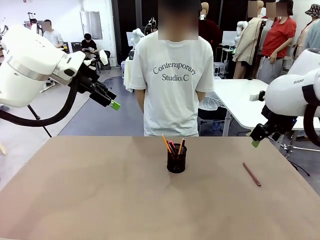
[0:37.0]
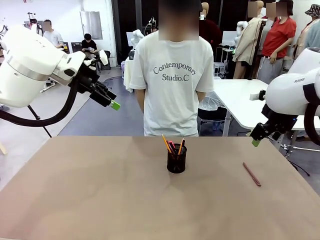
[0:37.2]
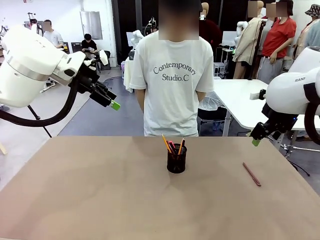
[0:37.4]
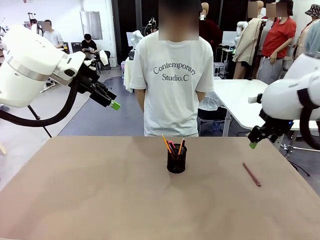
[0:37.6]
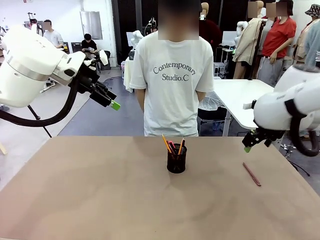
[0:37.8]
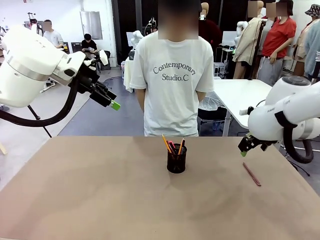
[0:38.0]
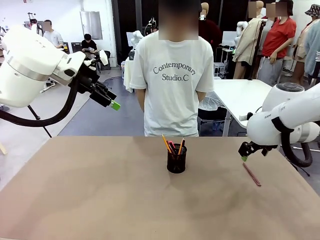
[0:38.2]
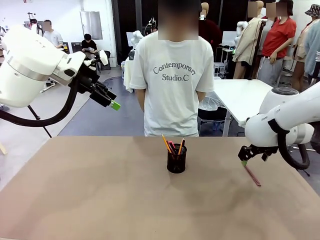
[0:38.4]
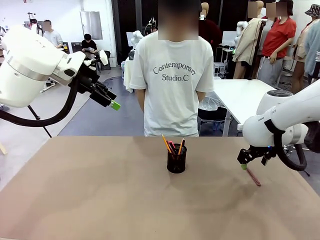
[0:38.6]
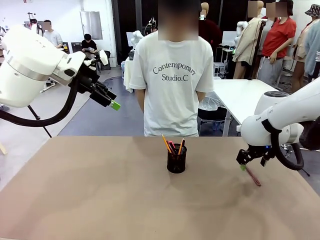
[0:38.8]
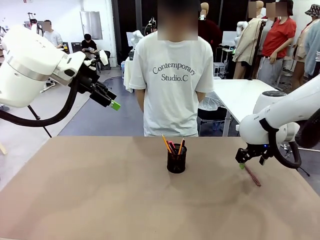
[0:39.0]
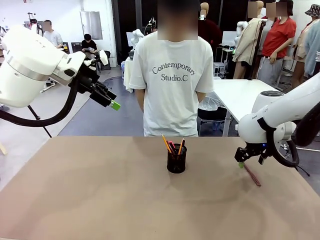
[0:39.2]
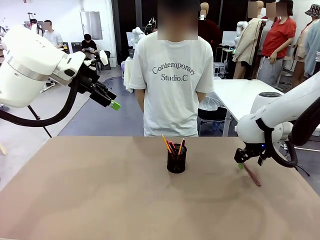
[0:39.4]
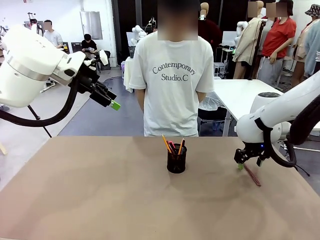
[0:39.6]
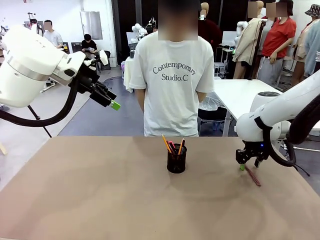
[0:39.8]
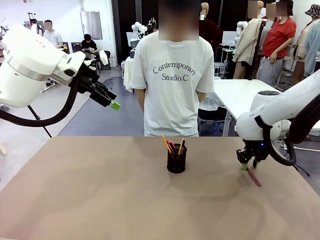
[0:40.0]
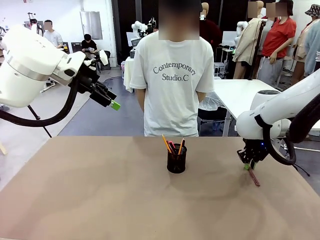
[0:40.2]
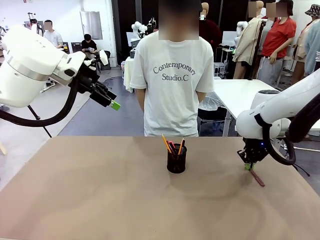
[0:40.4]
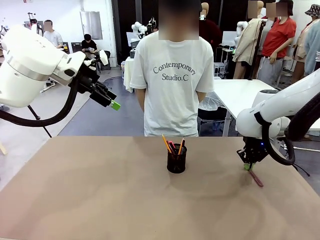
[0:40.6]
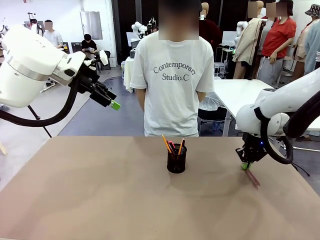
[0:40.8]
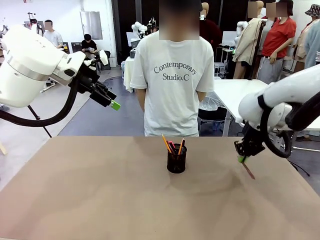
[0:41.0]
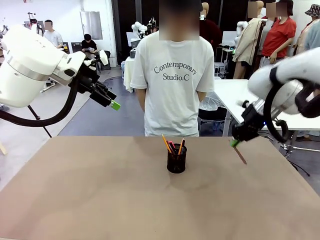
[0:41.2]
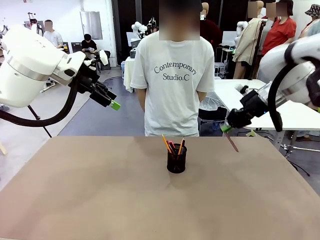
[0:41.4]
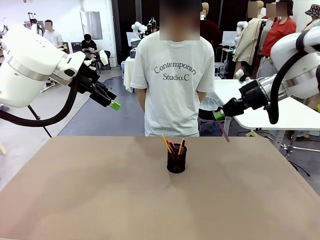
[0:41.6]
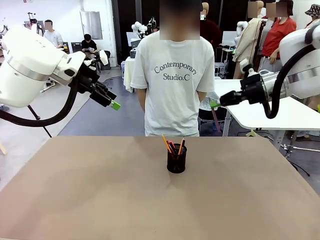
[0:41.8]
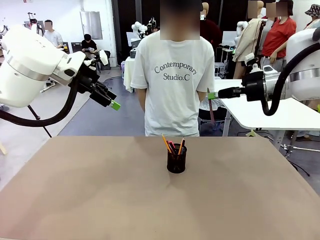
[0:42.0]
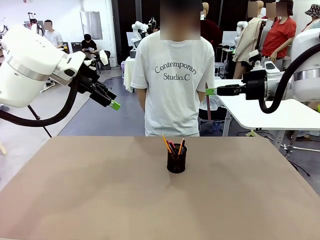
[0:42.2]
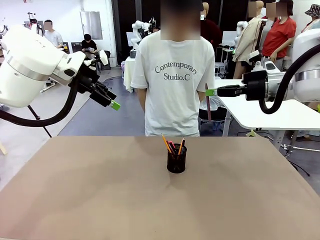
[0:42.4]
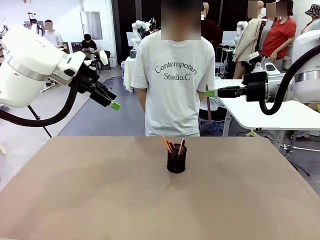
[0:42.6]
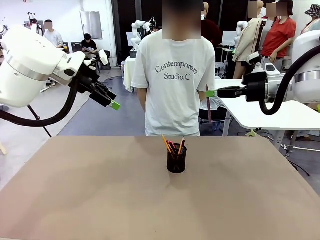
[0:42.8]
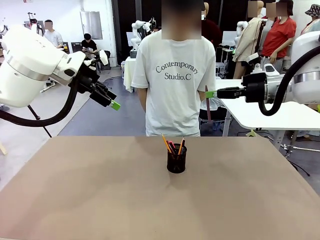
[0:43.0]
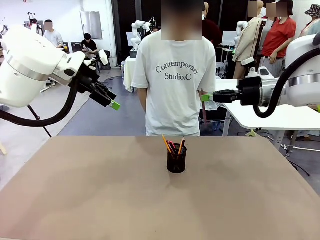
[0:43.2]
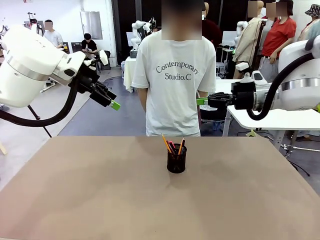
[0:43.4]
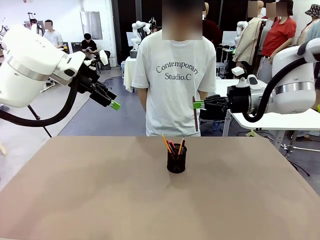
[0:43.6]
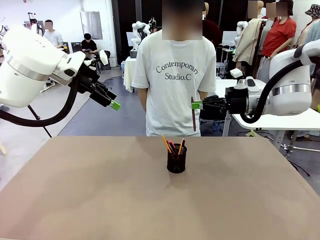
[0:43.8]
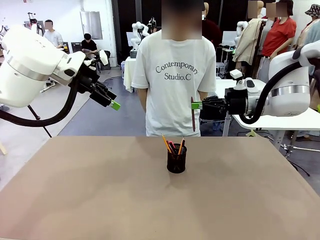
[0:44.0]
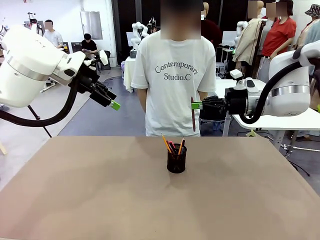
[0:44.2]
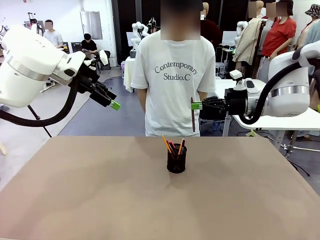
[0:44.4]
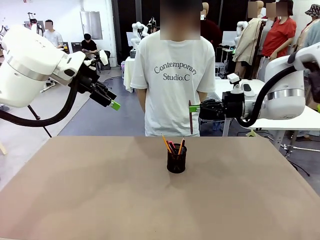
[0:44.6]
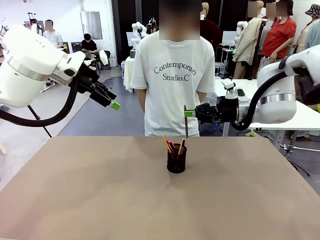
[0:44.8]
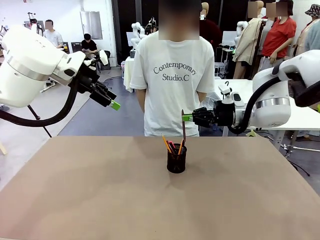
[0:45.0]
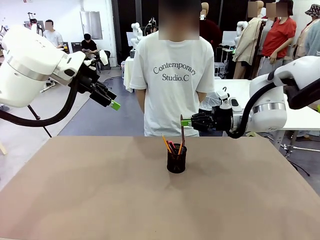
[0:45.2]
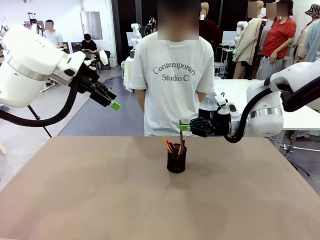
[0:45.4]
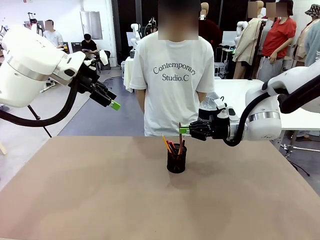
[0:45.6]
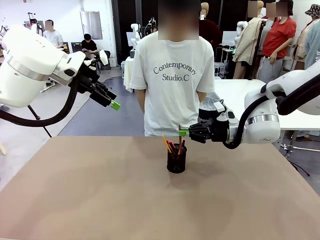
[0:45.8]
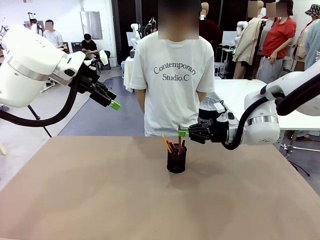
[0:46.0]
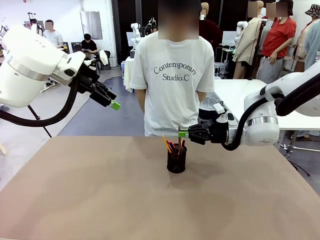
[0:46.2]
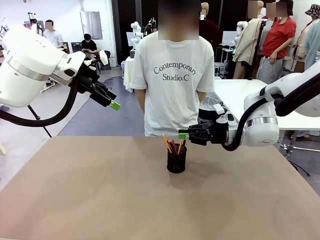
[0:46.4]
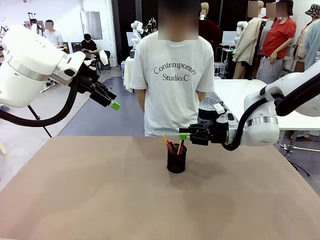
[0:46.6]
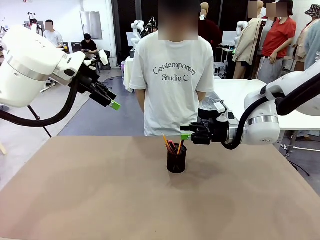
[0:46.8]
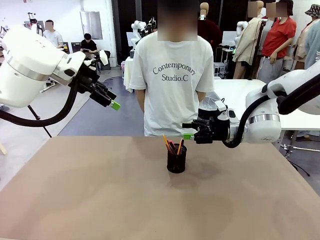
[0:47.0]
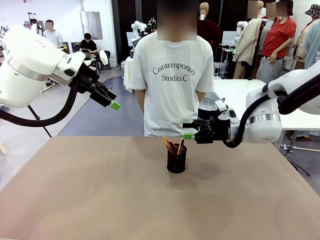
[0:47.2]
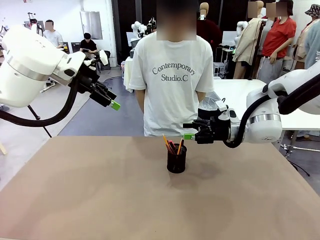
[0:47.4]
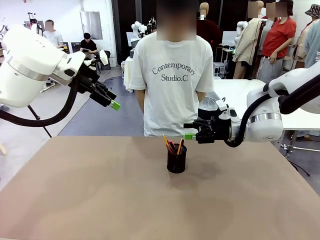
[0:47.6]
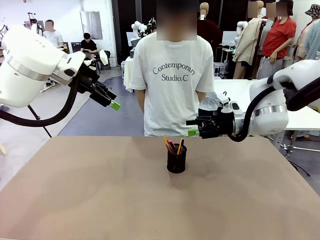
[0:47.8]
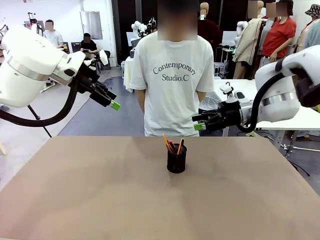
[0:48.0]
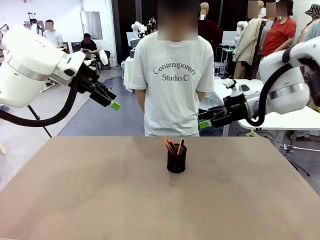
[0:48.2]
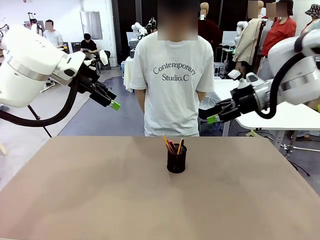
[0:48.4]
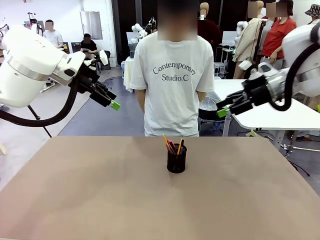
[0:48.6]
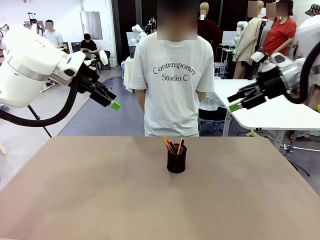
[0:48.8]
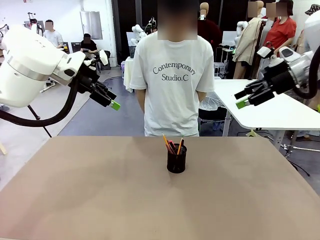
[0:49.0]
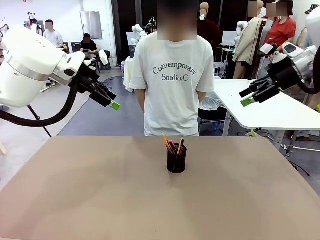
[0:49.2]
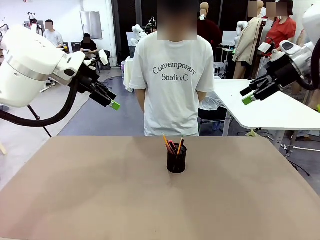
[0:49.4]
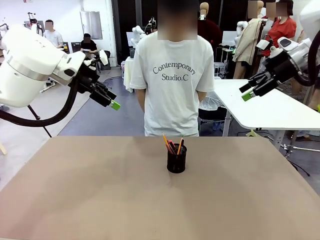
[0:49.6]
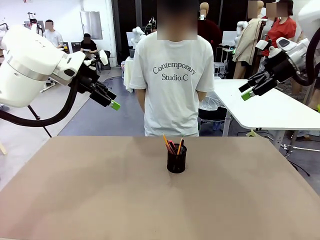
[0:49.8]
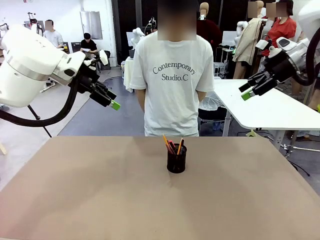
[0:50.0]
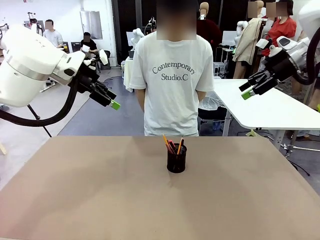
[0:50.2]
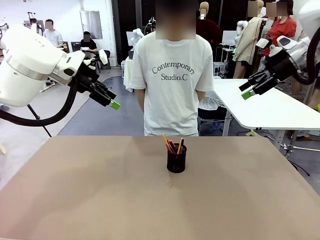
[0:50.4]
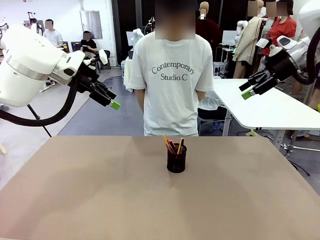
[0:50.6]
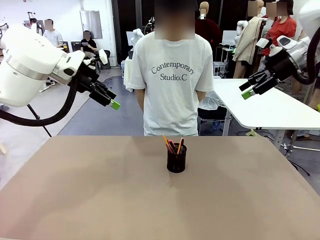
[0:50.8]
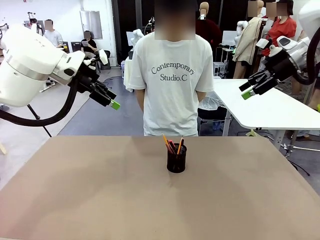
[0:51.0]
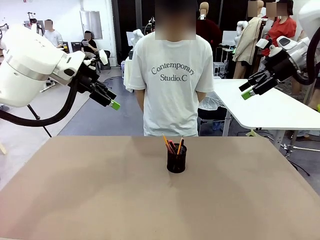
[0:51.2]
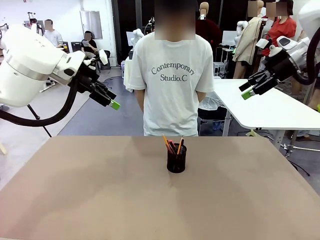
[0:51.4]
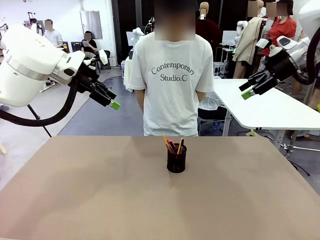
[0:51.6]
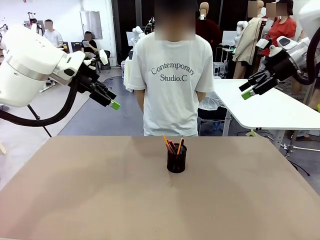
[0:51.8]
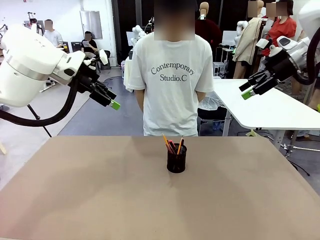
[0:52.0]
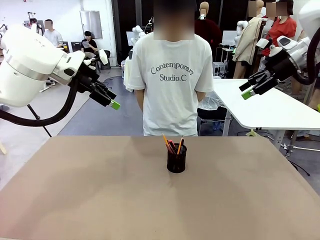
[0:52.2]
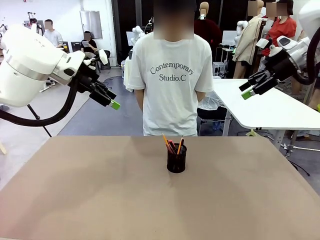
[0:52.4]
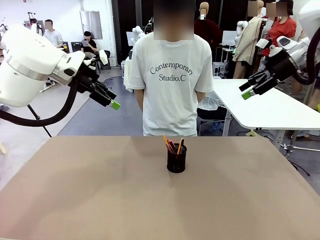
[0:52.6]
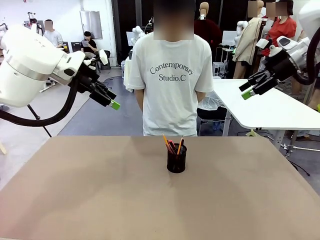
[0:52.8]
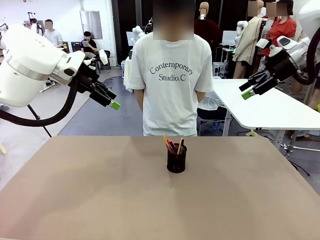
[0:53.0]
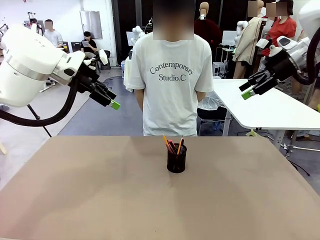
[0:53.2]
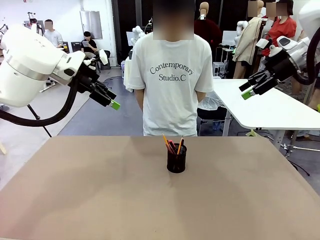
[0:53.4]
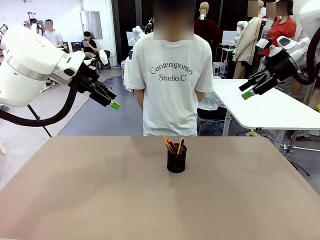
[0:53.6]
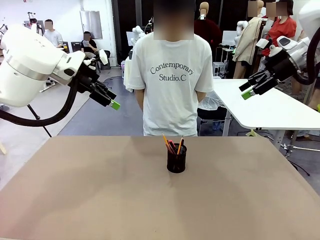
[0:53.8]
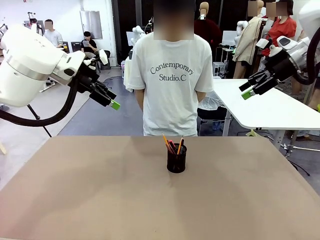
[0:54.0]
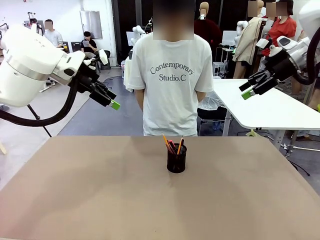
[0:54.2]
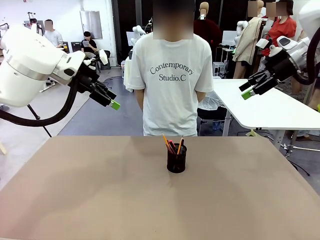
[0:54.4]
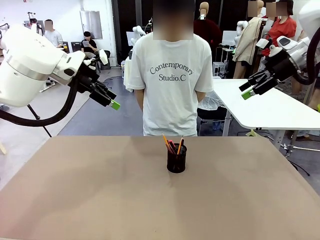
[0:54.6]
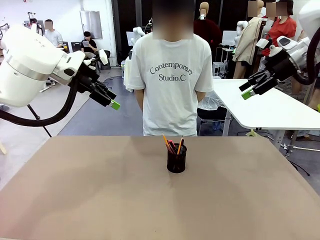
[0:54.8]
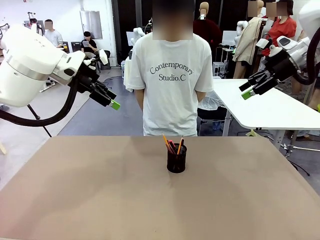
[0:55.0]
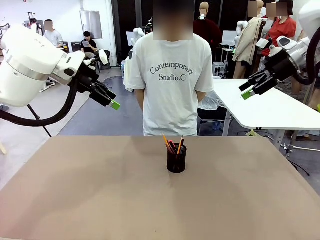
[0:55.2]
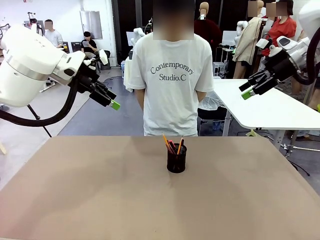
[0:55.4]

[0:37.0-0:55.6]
Task: Place the pens into the pen holder.
Robot: Pick up a writing instrument from the table and place it into the Pen holder.
